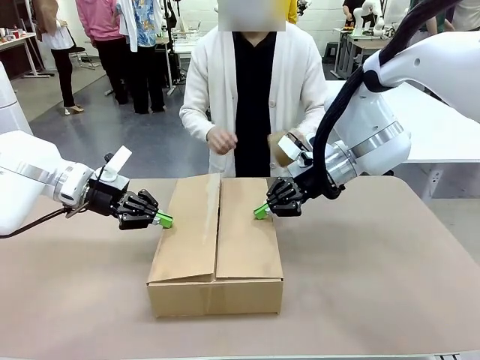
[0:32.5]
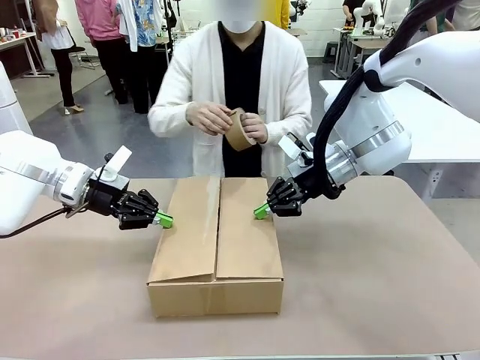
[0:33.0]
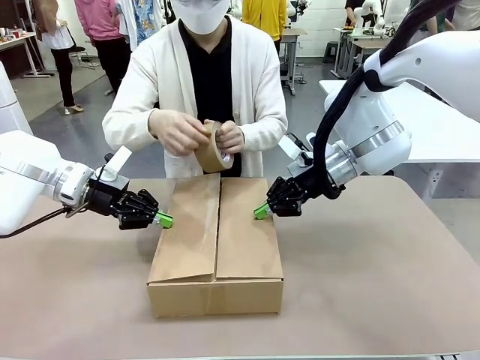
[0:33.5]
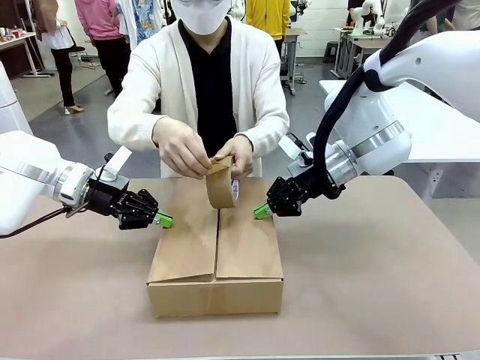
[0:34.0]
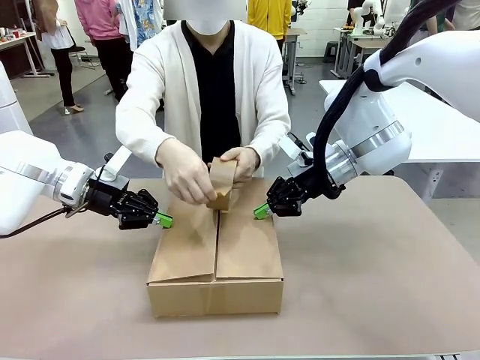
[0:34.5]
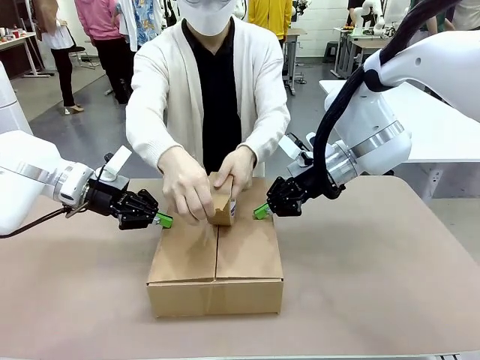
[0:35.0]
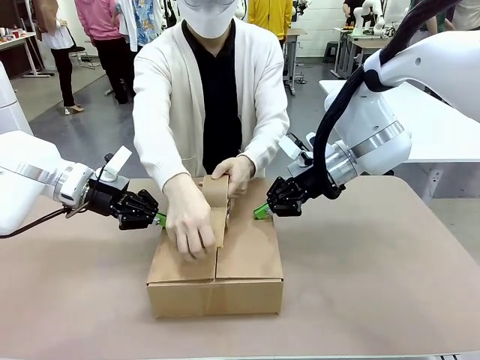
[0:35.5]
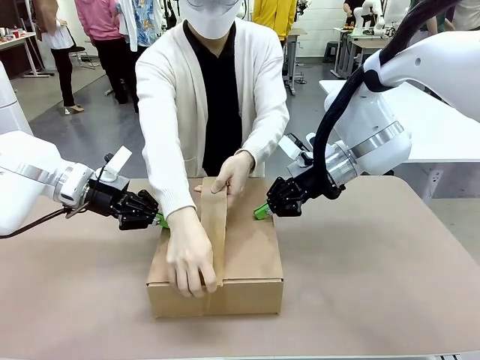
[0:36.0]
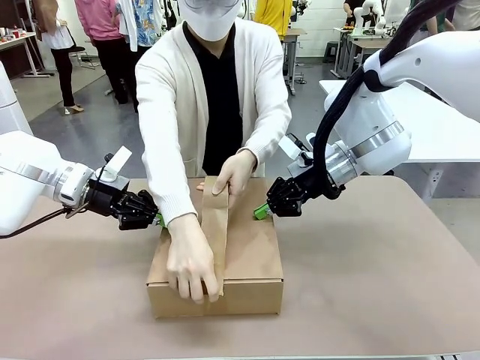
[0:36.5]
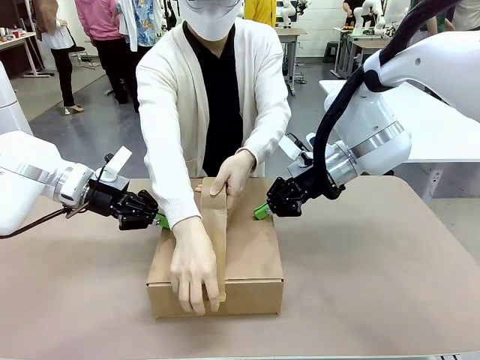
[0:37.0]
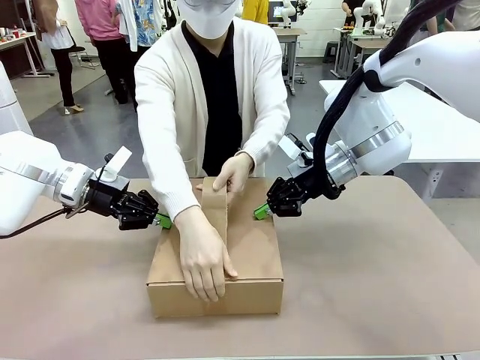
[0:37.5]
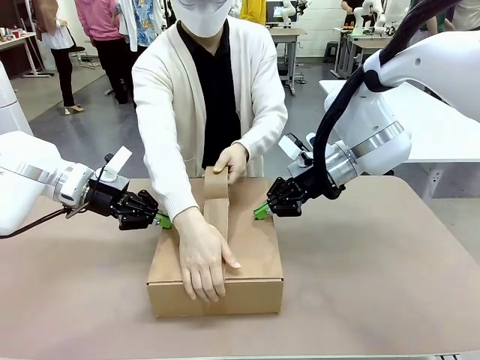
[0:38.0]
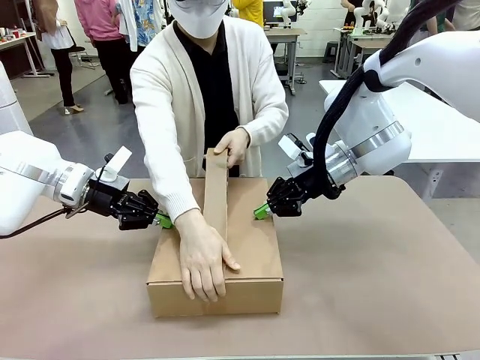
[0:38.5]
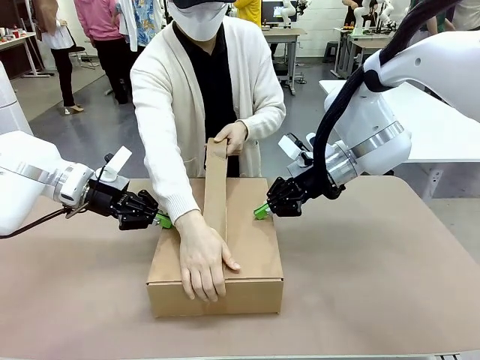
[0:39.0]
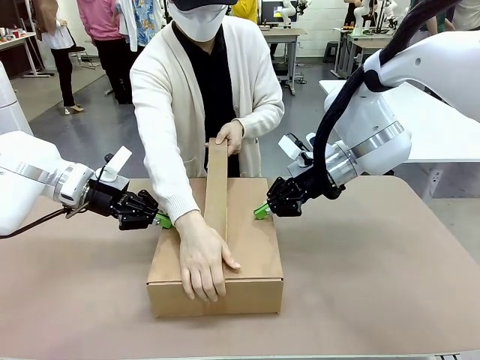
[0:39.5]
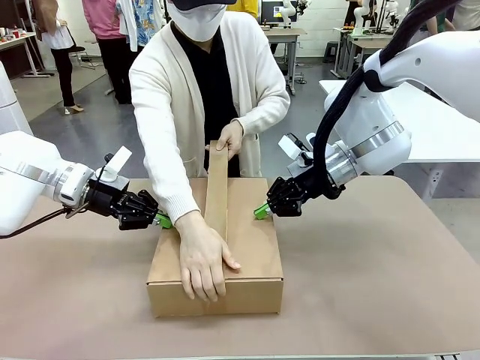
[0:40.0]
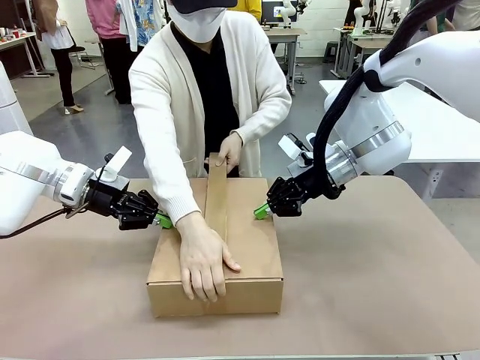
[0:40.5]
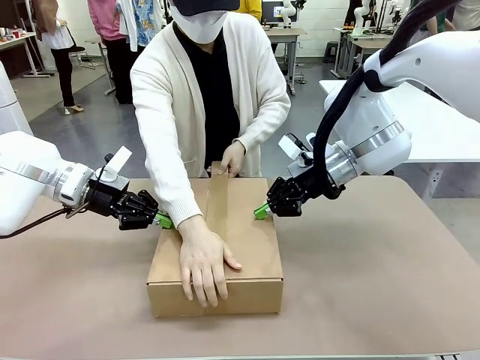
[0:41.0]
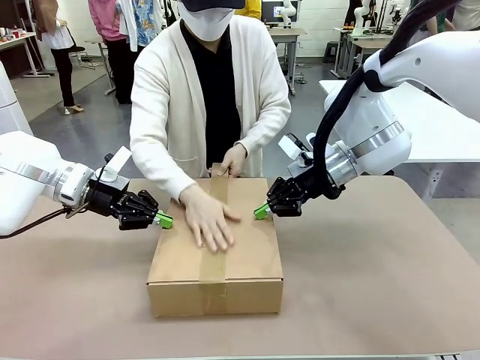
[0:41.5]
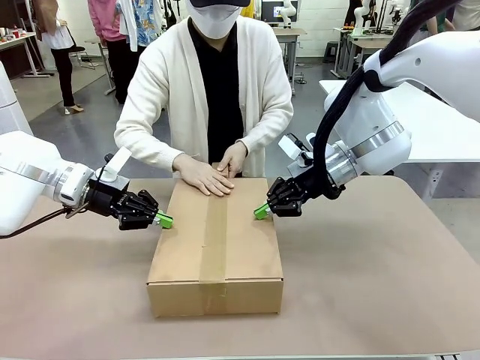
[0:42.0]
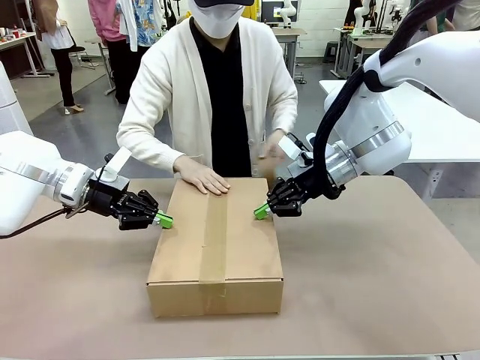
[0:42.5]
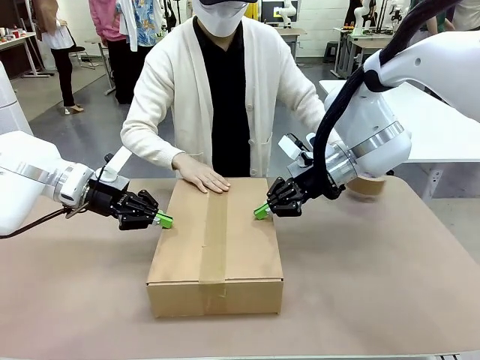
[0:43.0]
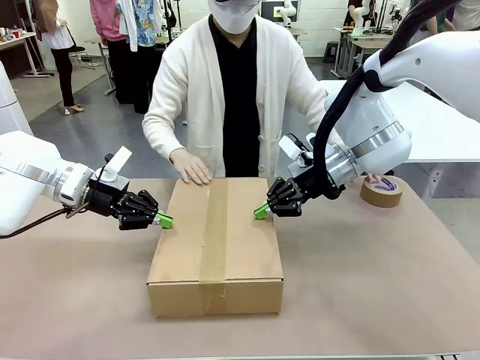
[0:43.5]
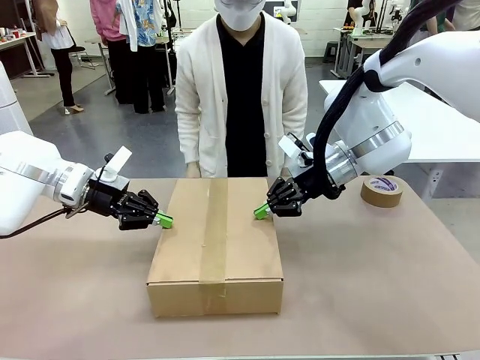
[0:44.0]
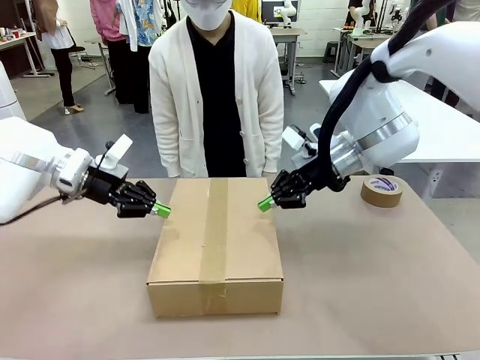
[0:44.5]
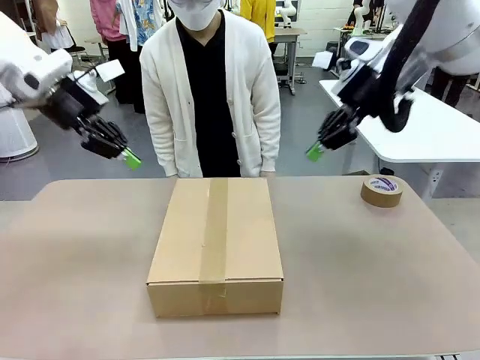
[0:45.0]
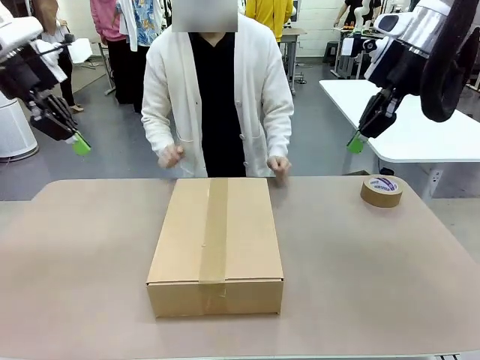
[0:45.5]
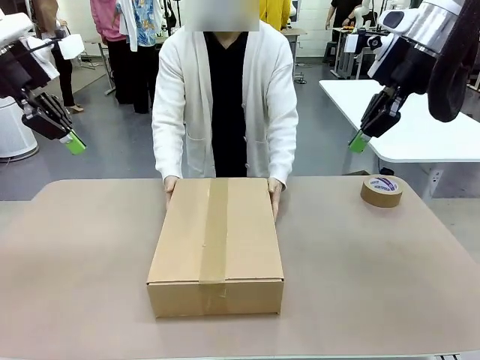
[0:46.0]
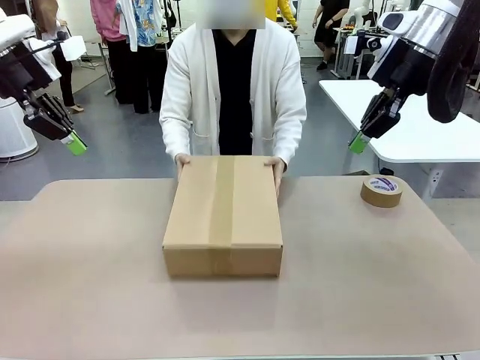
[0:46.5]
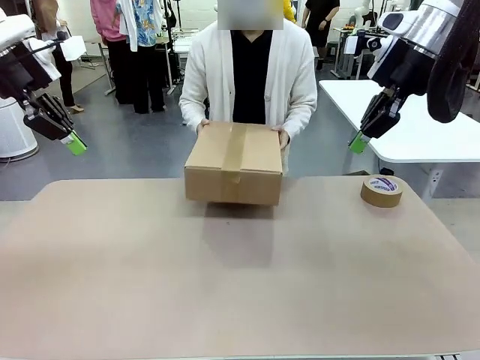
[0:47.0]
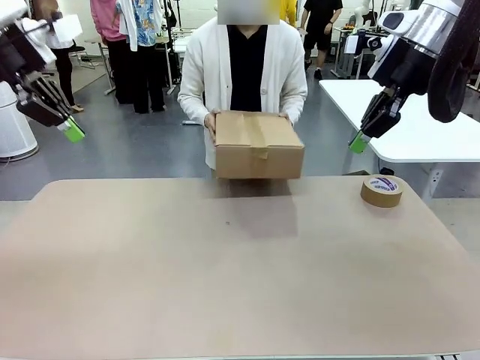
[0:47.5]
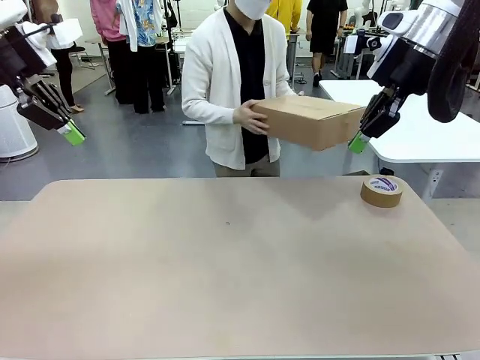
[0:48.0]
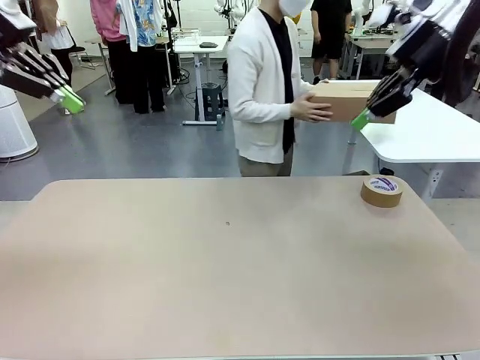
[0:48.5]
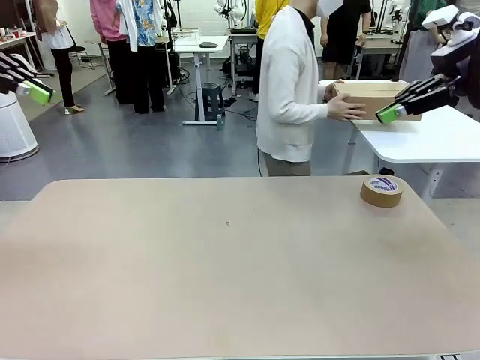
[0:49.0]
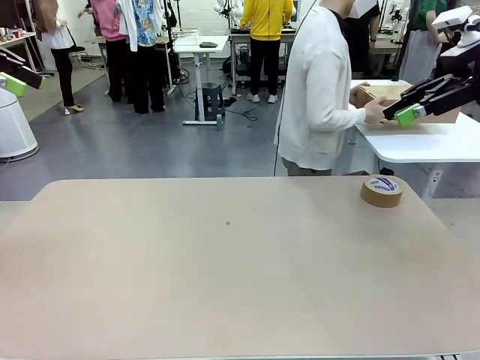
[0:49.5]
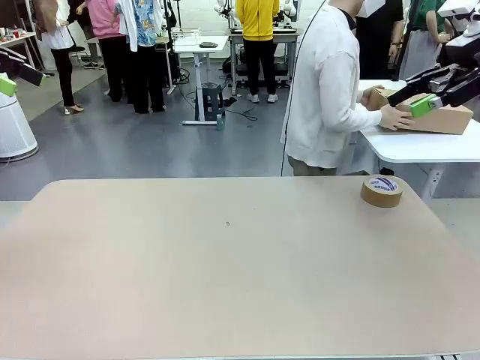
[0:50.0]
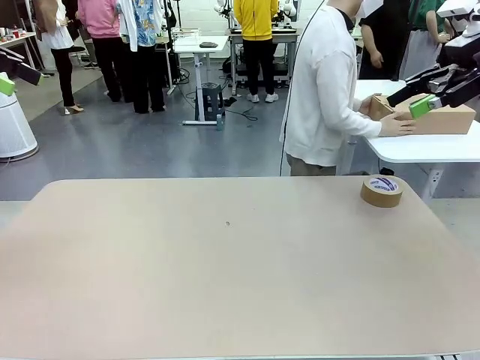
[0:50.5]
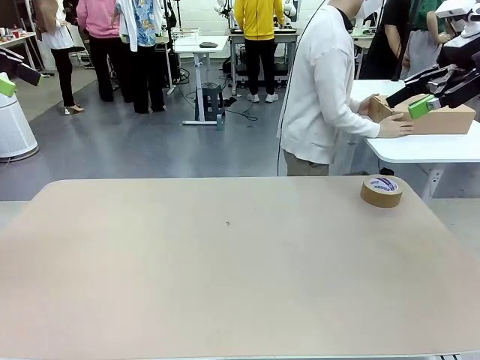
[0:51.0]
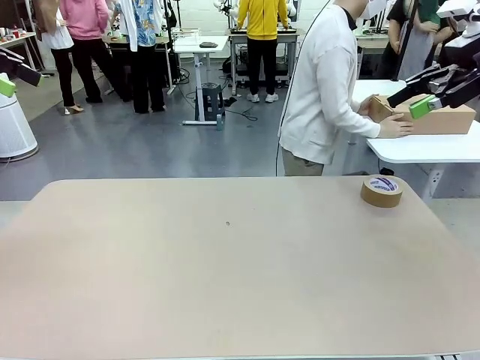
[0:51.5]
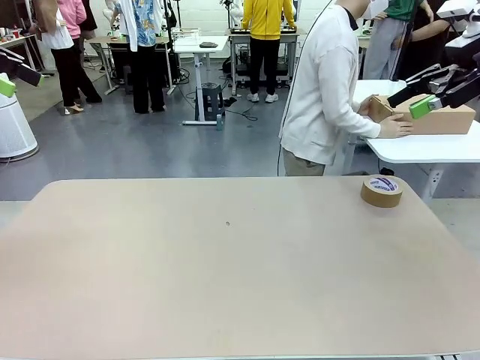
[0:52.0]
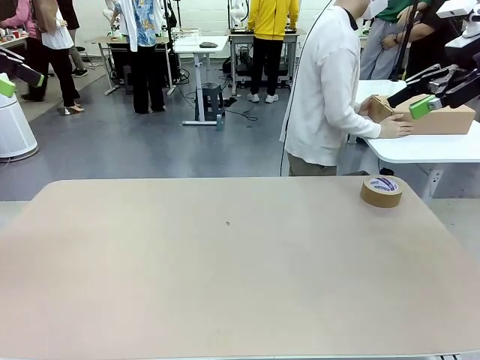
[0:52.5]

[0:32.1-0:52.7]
Task: Wrap the clocks to prevent damage.
Robot: After the human seals the box with tape, release both hands from the side flaps of the Package Box.
Person: Once the robot closes the left flap of the Package Box , seal the box with Paper Tape. Place sealed Package Box in the middle of the human's table.

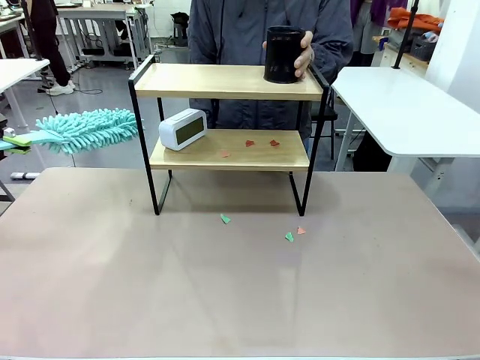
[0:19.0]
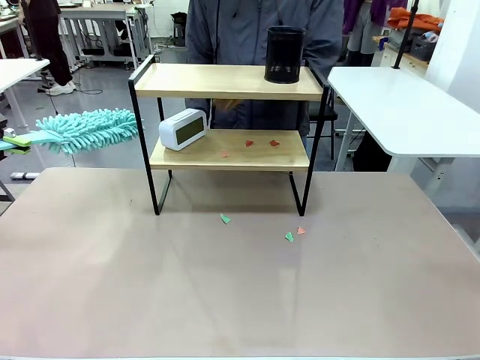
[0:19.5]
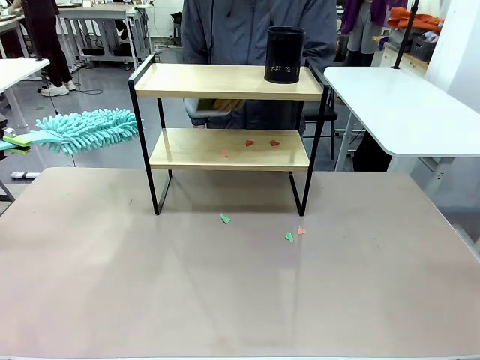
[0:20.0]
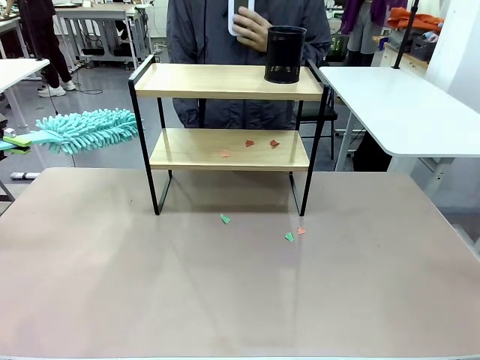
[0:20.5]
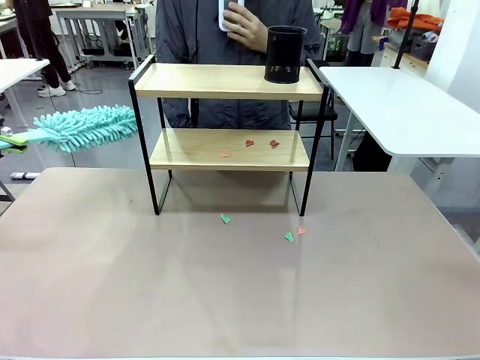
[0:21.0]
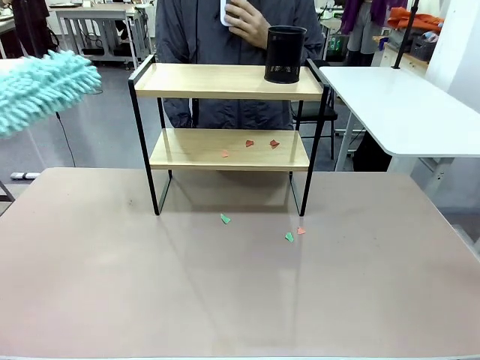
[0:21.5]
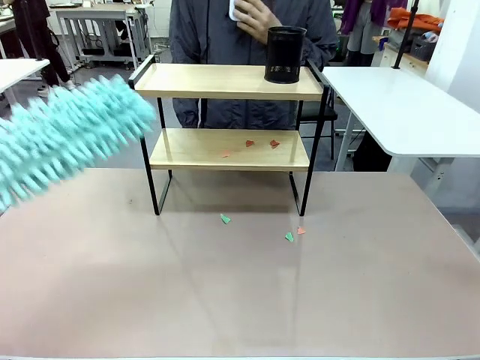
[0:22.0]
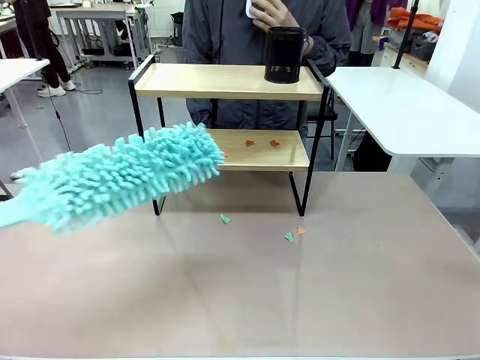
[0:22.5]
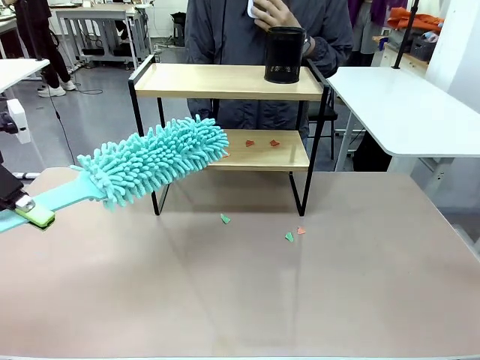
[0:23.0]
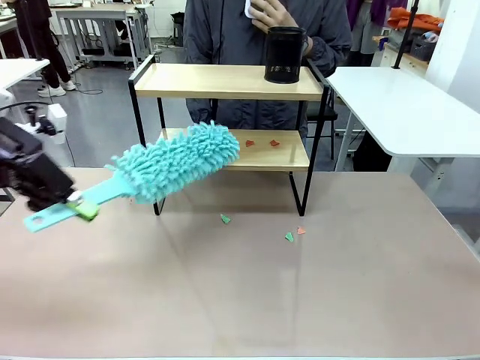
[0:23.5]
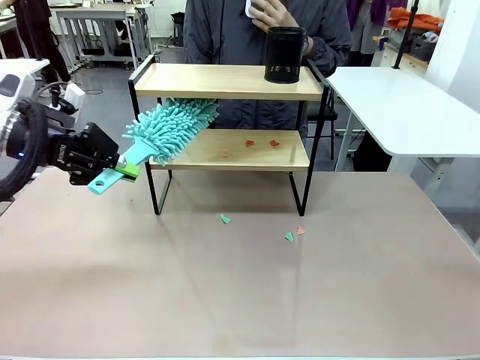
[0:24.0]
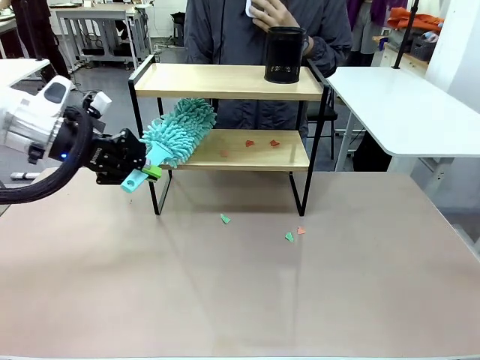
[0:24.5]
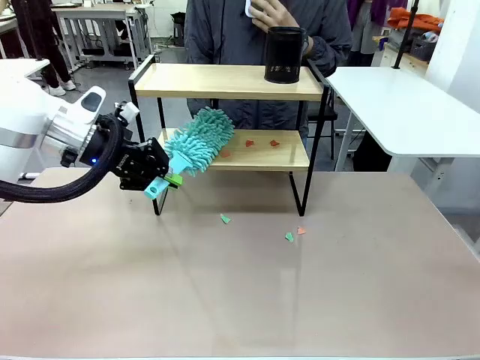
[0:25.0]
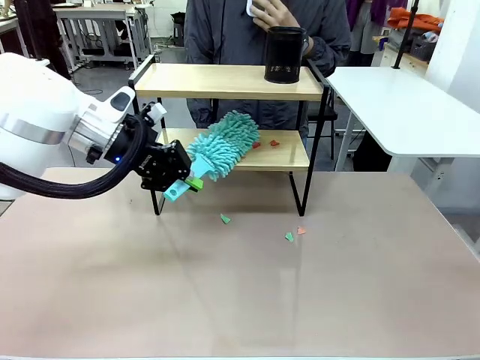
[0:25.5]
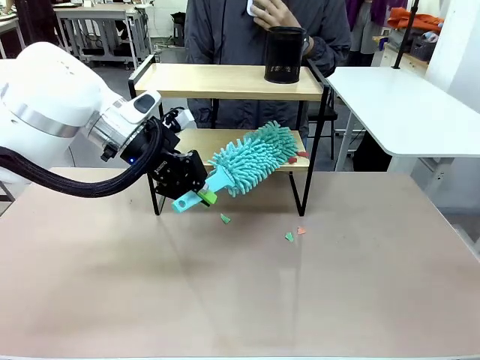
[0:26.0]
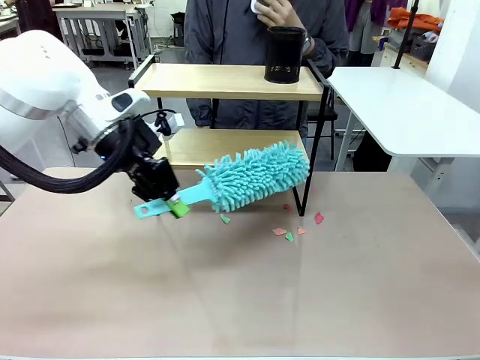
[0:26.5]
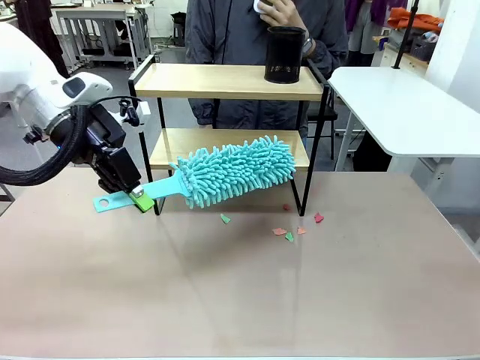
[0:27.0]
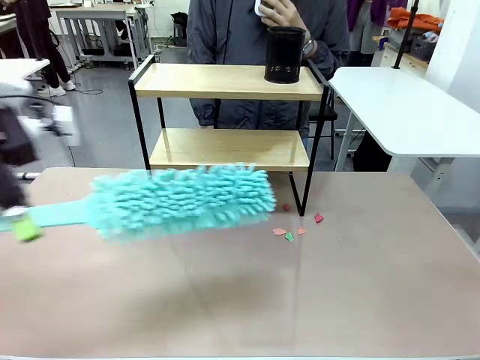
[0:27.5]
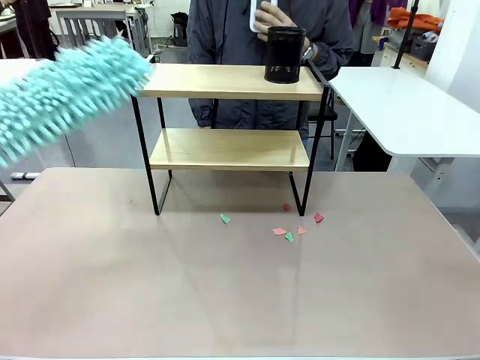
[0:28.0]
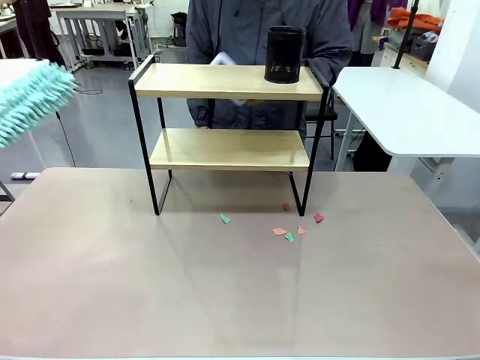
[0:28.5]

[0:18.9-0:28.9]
Task: Clean the shelf.
Robot: Clean the remaining tier of the Shelf with the Duster once objects are removed.
